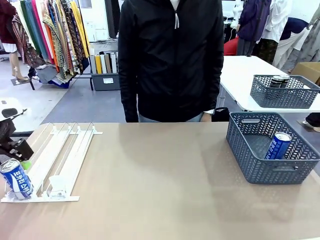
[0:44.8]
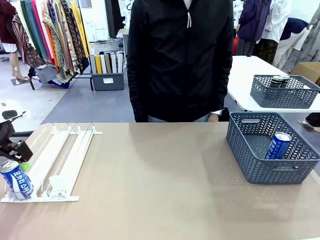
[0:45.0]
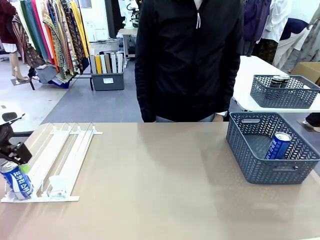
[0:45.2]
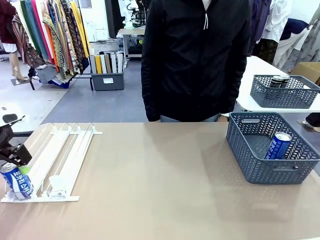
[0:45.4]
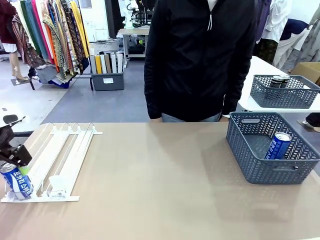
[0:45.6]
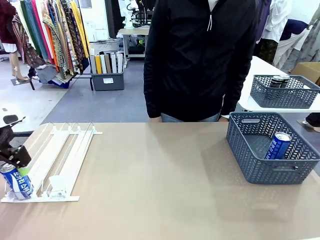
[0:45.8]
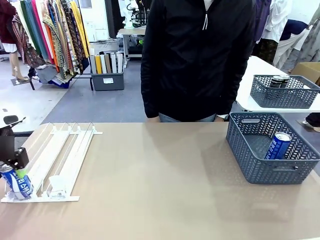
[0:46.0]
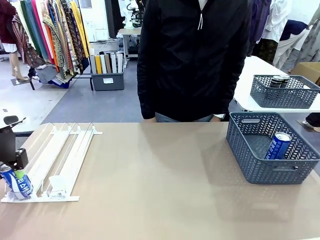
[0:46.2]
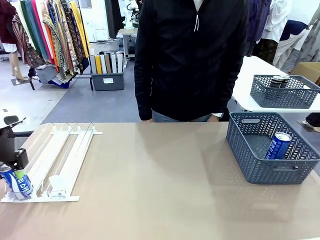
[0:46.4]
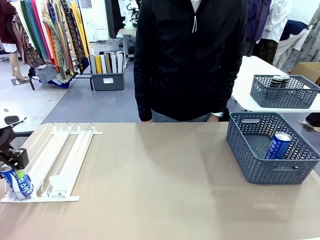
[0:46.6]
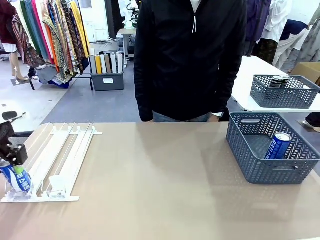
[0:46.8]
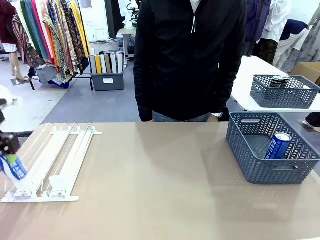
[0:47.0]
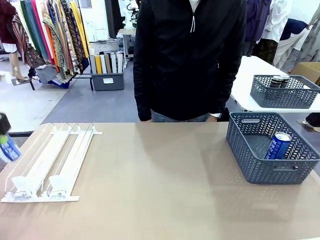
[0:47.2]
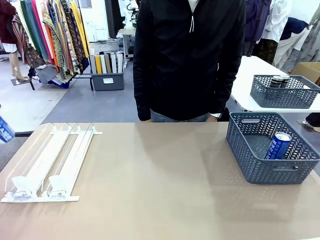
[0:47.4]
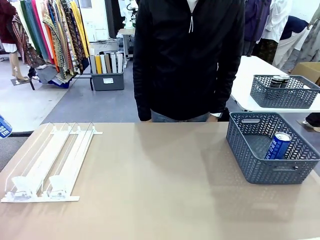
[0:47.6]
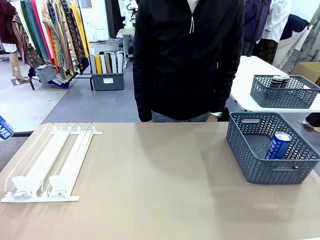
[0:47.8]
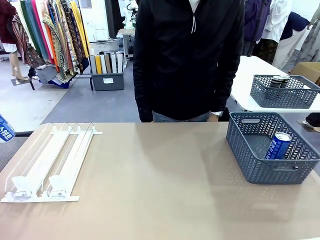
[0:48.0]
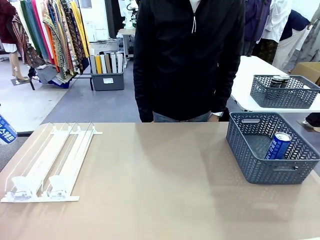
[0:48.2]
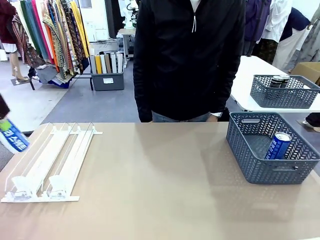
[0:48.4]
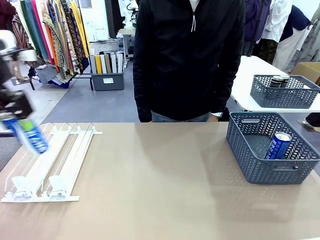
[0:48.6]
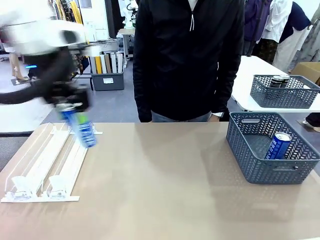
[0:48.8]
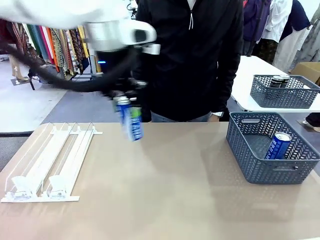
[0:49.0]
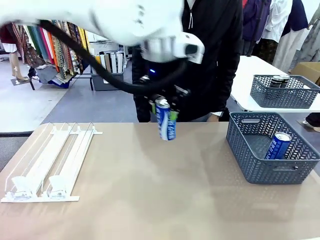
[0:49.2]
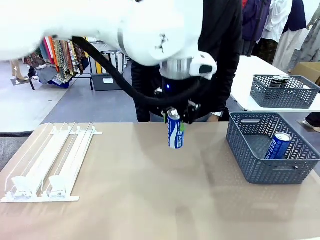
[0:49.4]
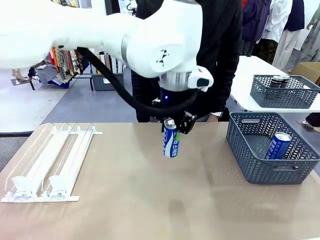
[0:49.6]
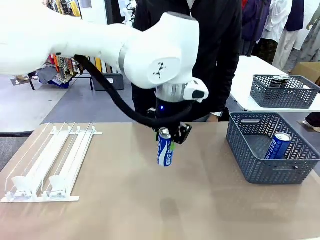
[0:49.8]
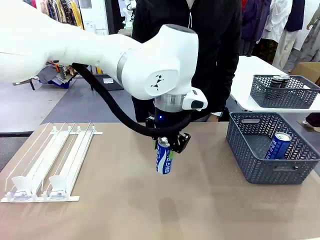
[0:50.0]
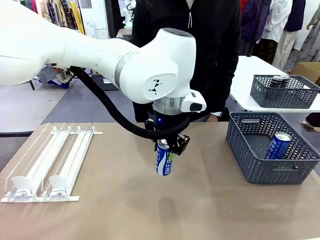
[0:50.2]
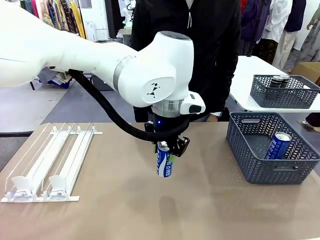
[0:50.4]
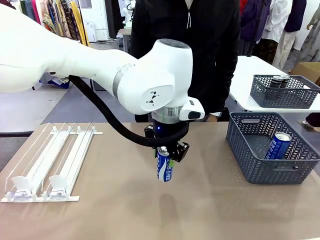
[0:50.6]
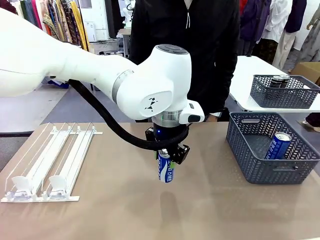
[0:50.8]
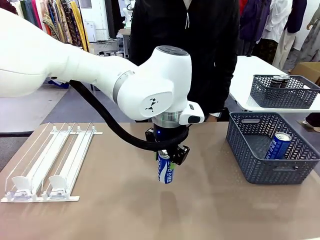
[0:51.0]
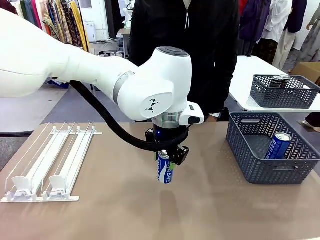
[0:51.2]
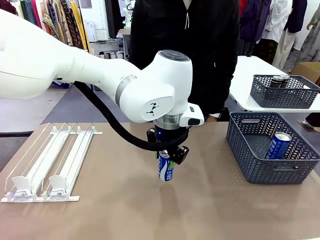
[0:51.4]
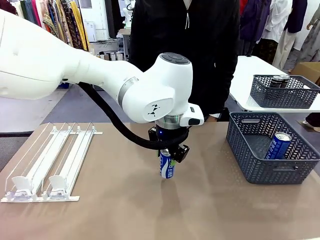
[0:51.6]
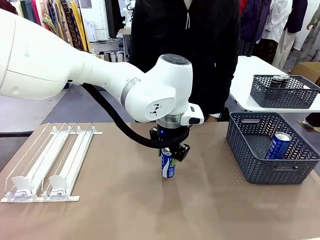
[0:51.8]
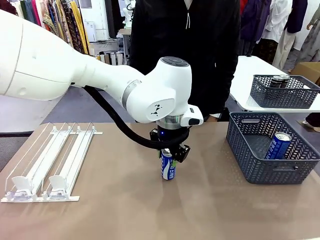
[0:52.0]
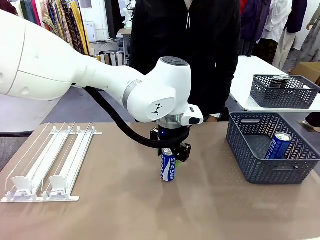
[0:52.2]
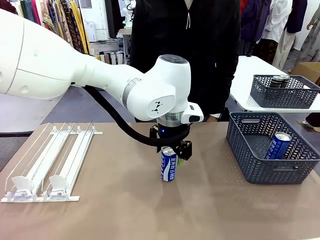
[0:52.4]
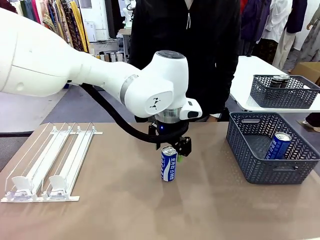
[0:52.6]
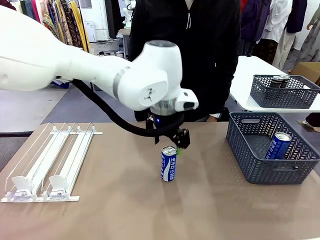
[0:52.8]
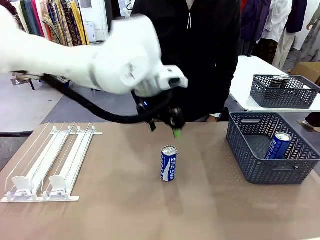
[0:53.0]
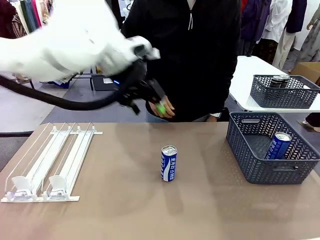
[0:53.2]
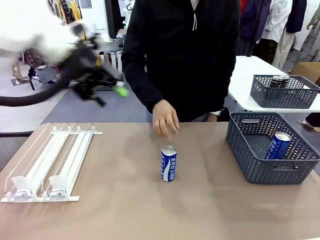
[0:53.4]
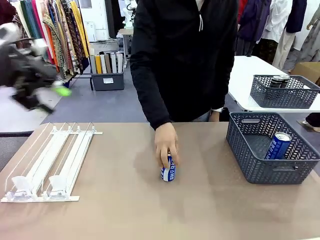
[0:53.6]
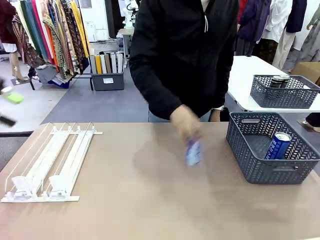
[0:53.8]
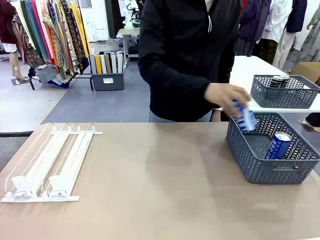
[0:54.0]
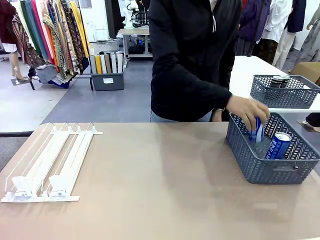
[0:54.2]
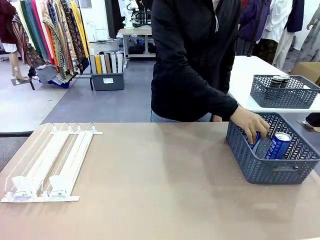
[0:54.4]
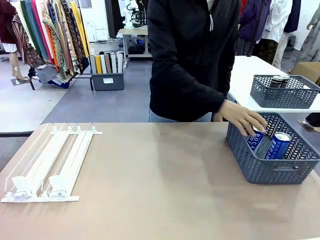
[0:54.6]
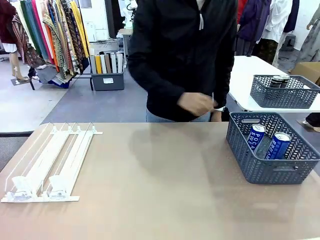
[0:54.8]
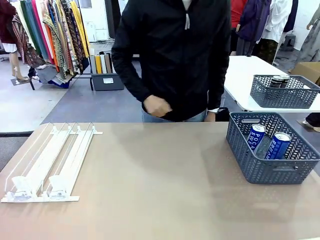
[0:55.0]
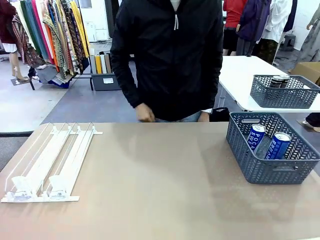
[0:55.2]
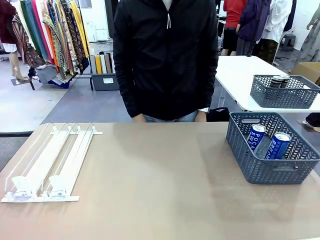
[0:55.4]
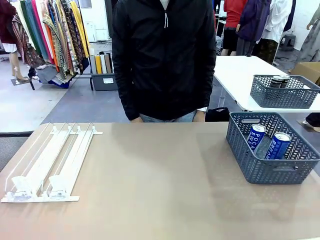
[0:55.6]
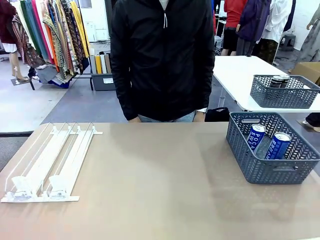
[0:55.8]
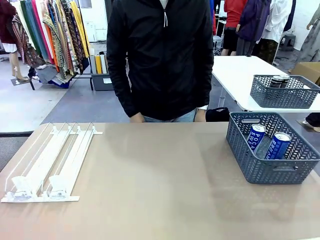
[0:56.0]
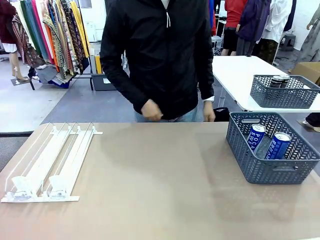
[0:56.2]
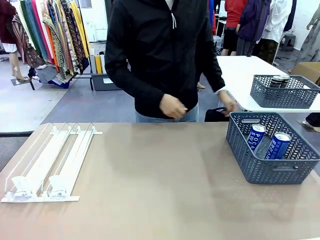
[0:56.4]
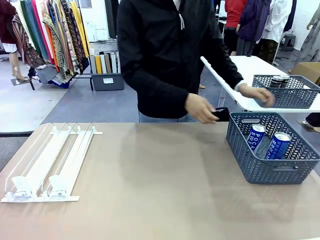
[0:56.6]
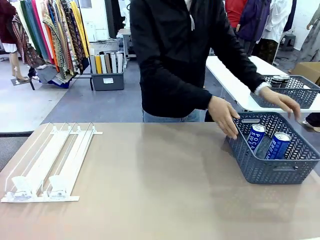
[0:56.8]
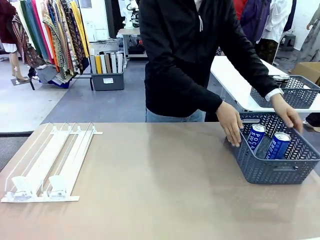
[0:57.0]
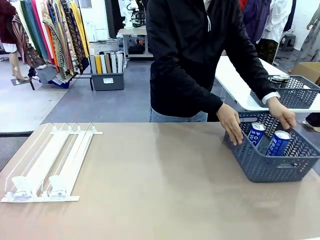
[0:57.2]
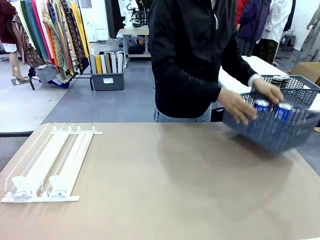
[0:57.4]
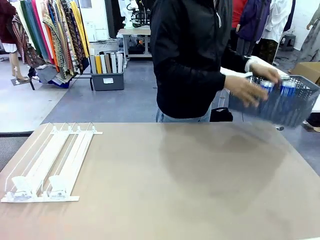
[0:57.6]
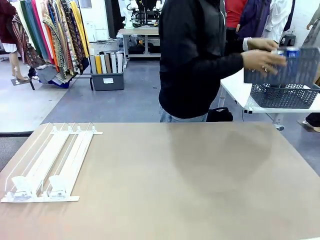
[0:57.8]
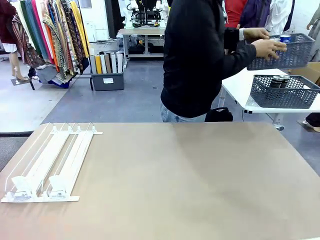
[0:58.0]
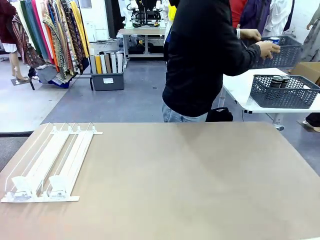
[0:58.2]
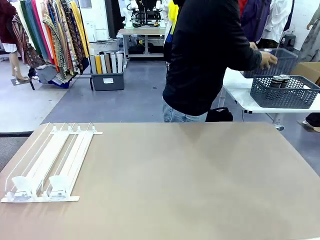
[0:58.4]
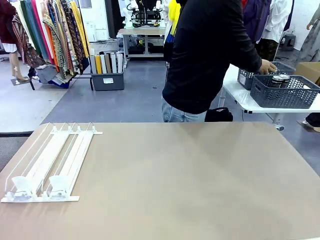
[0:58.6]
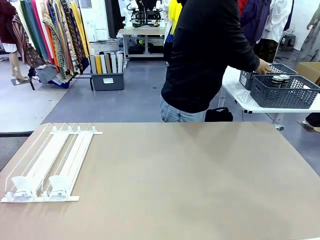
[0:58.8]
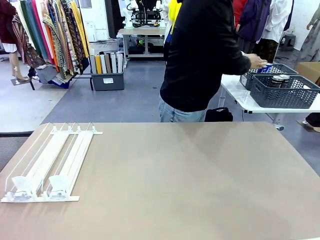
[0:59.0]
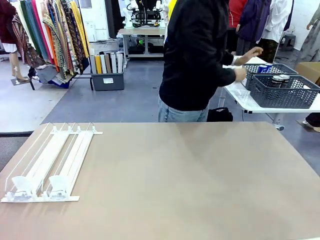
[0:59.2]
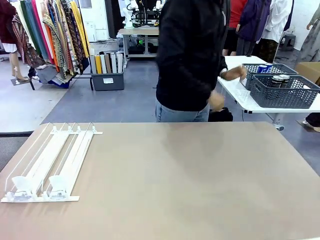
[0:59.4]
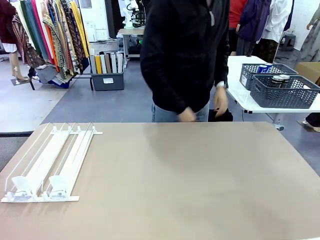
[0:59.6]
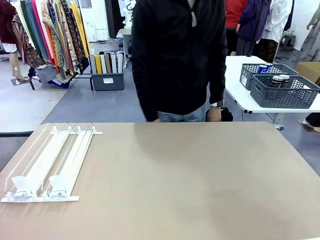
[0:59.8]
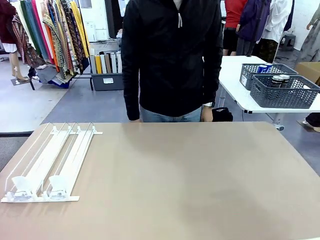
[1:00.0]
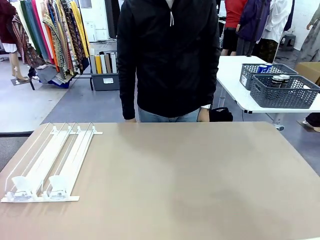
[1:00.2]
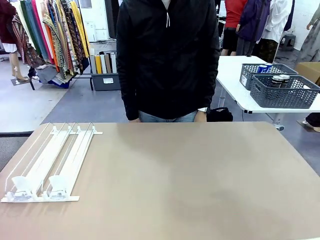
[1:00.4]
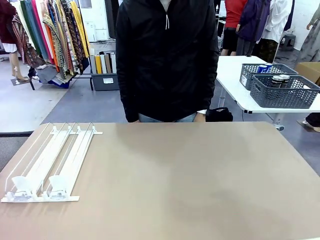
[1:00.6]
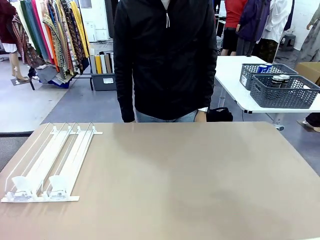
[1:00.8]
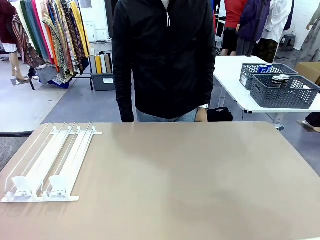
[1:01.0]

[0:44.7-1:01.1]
Task: Retrieve and store the cans from the dispenser.
Robot: Pick up one can from the Automatic Can Dispenser and place it in the middle of the table.
Person: Pick up one sports drink can from the middle of the robot table and place it in the basket. Pick up the basket and place it in the middle of the human table.

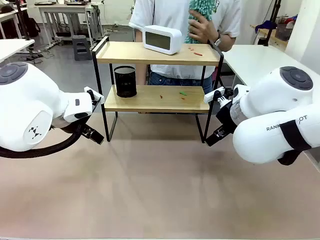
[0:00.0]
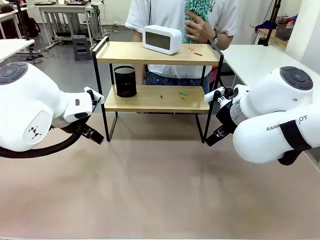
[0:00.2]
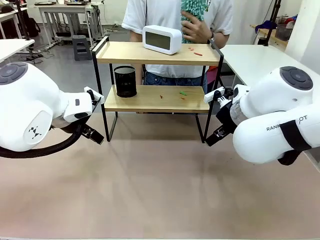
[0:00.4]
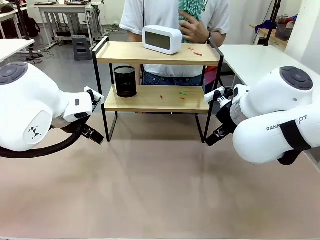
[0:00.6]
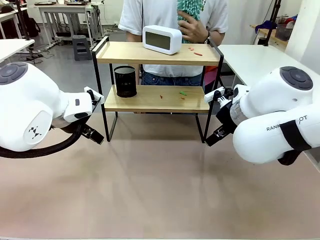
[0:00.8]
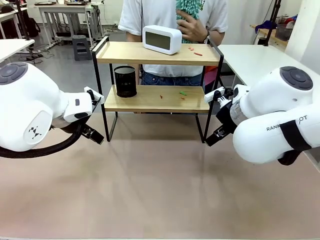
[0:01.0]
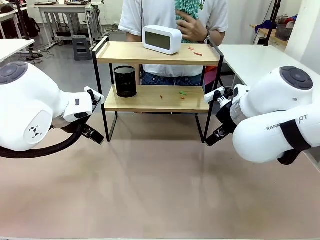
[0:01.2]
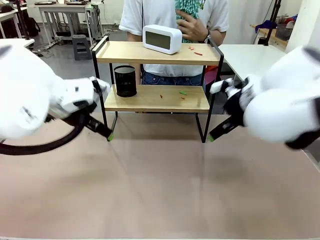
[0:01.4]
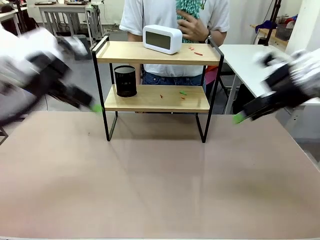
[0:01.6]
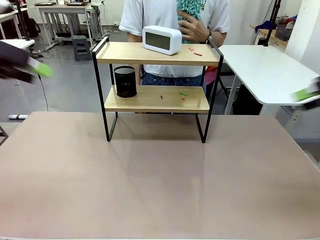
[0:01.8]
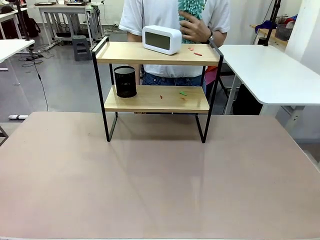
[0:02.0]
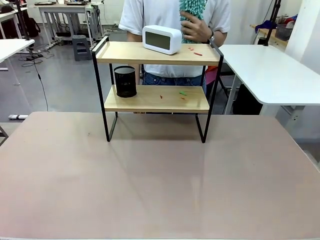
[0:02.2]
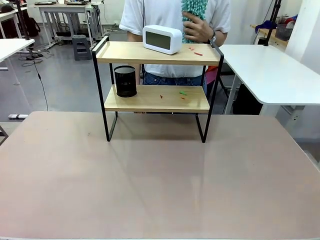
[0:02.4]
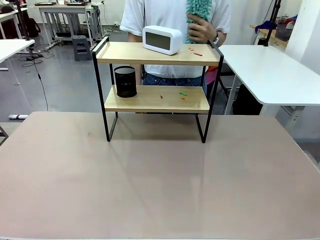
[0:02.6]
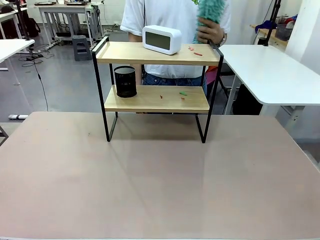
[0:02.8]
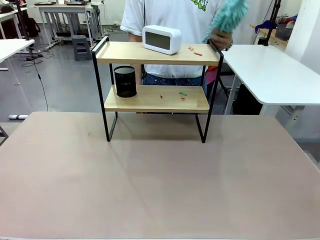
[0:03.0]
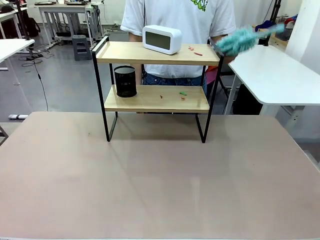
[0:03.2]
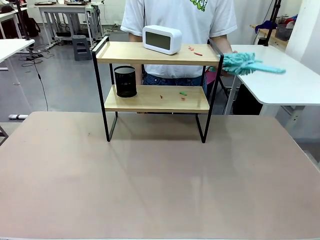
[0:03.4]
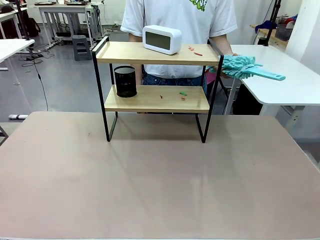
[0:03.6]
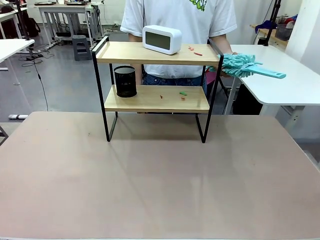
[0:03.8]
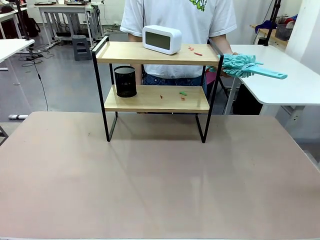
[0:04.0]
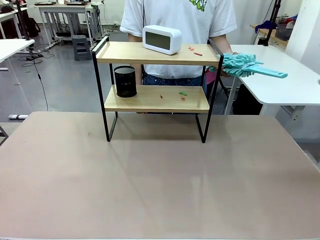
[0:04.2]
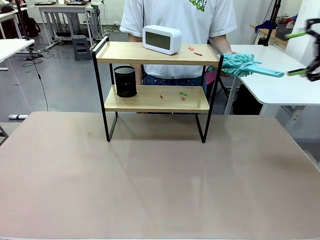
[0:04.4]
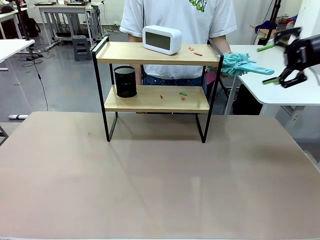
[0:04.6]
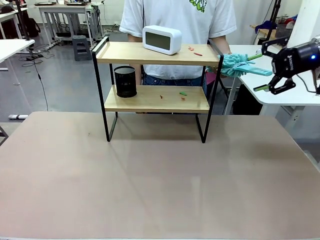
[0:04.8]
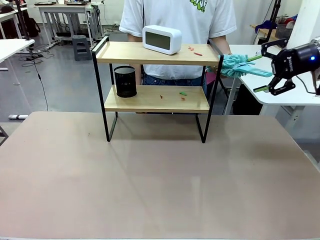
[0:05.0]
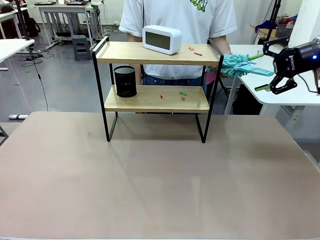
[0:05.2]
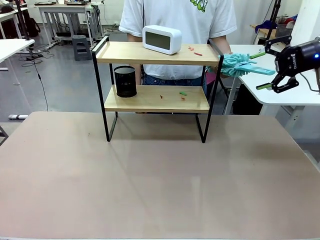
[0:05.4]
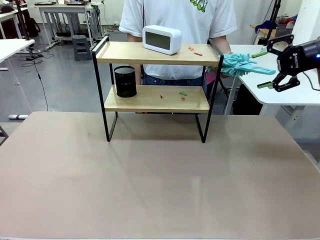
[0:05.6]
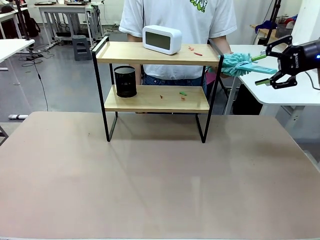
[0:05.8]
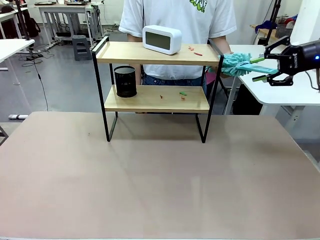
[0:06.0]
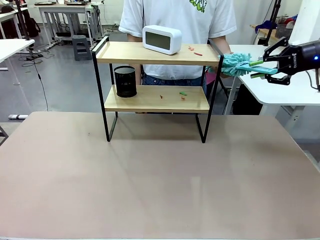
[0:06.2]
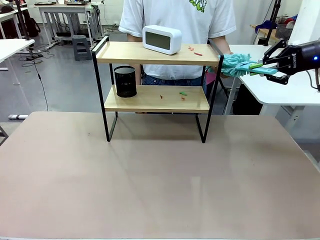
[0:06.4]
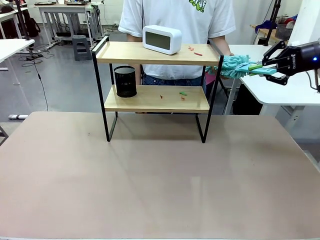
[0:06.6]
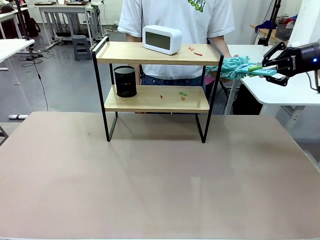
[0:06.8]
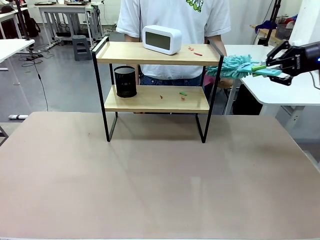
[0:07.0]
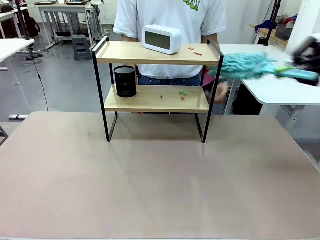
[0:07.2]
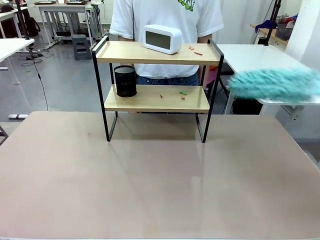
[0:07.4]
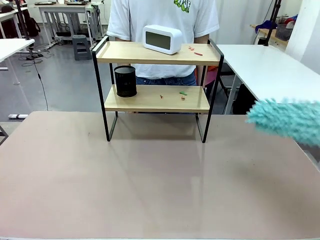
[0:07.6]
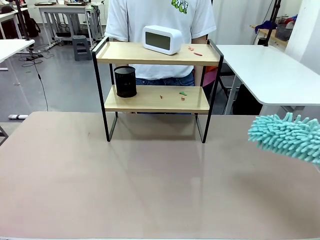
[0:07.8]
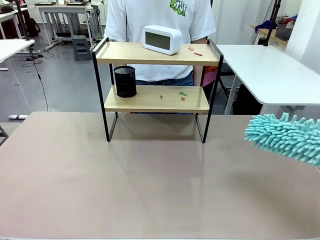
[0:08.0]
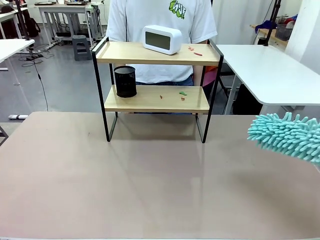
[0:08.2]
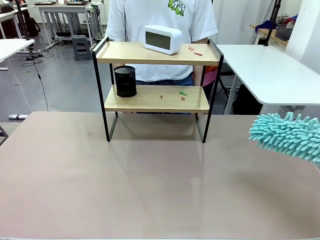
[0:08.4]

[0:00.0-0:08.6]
Task: Clean the shelf.
Robot: Pick up the Duster from the human.
Person: Hand the Duster to the robot.
